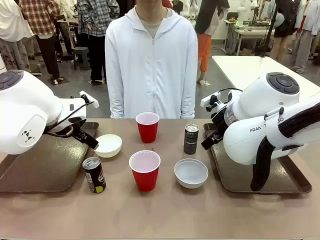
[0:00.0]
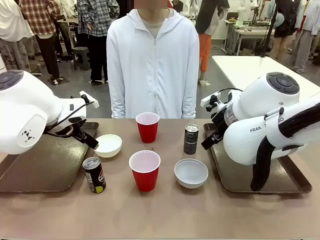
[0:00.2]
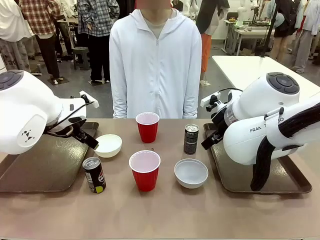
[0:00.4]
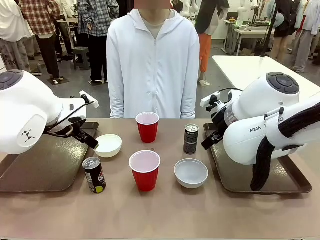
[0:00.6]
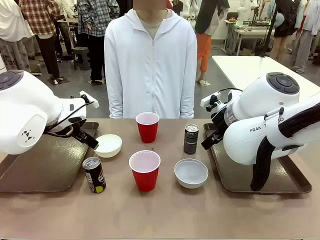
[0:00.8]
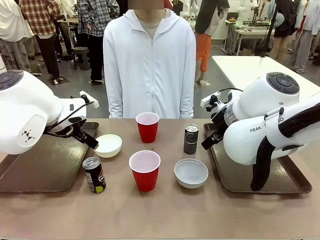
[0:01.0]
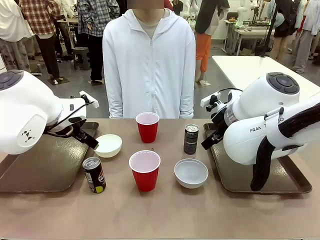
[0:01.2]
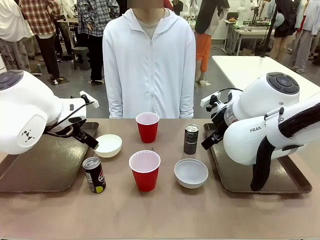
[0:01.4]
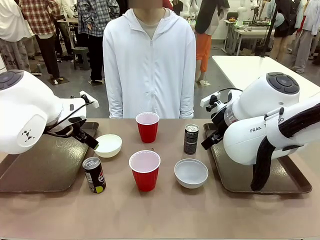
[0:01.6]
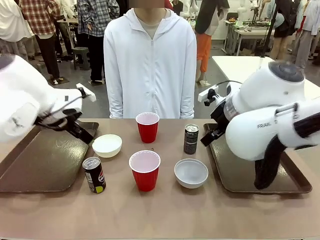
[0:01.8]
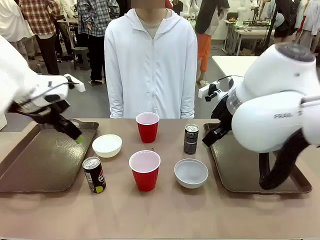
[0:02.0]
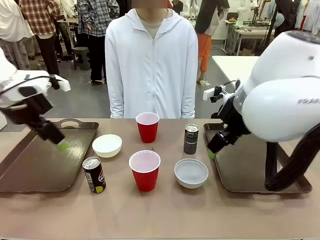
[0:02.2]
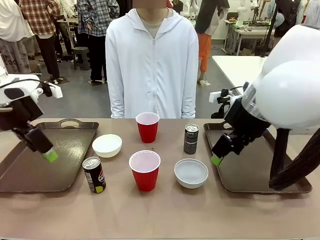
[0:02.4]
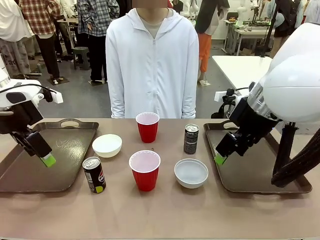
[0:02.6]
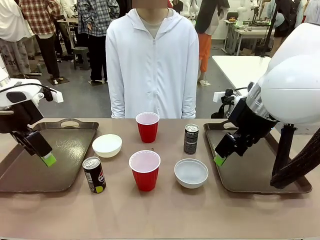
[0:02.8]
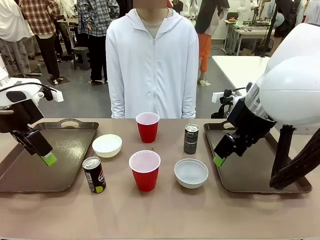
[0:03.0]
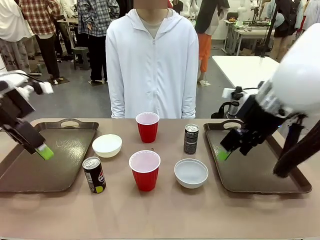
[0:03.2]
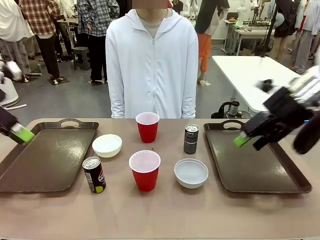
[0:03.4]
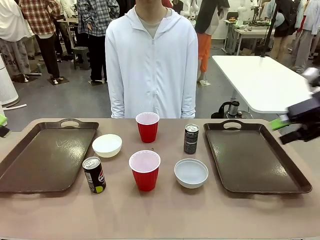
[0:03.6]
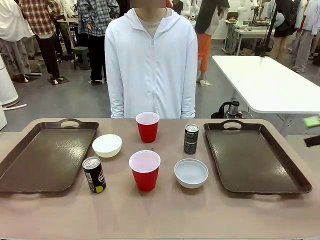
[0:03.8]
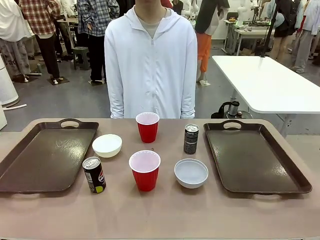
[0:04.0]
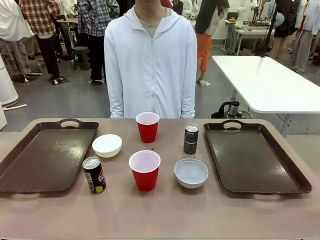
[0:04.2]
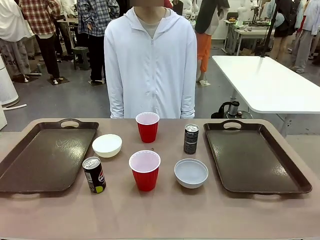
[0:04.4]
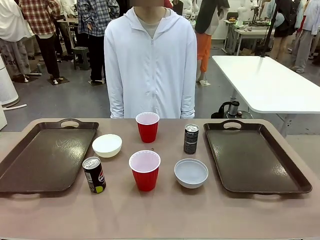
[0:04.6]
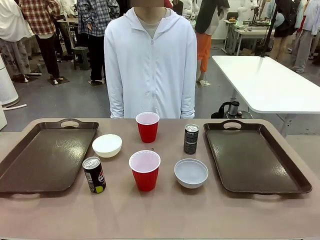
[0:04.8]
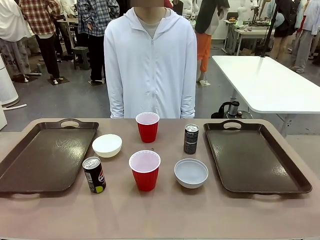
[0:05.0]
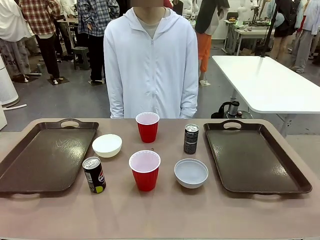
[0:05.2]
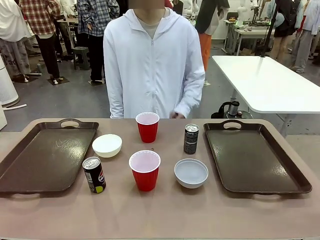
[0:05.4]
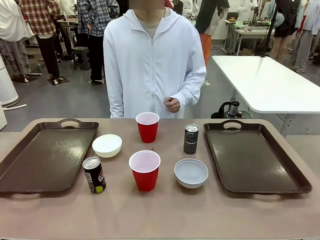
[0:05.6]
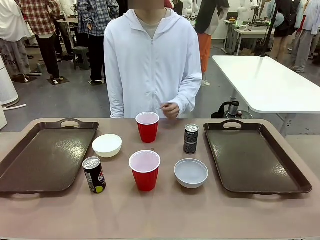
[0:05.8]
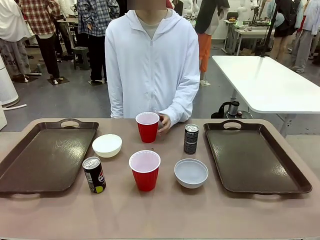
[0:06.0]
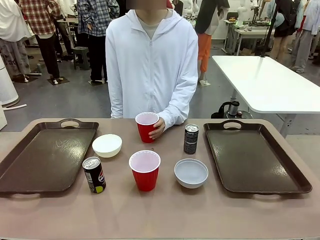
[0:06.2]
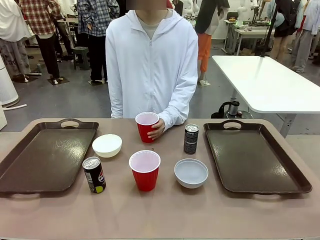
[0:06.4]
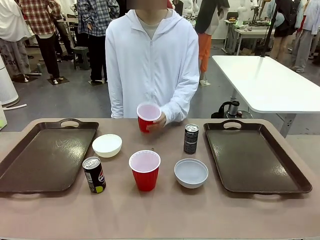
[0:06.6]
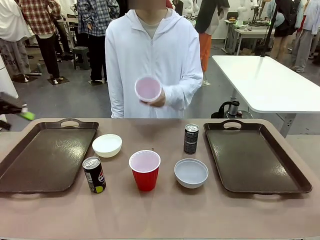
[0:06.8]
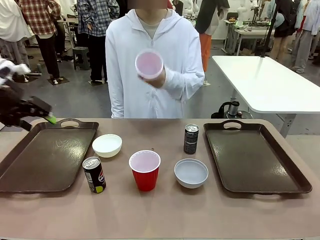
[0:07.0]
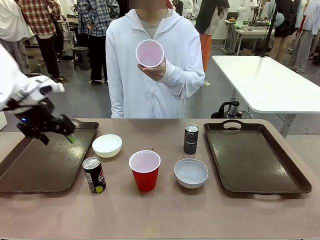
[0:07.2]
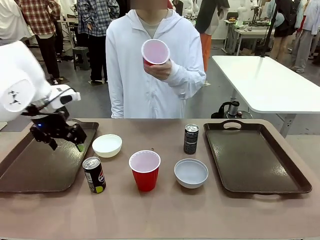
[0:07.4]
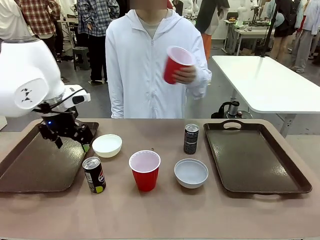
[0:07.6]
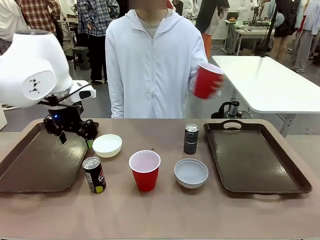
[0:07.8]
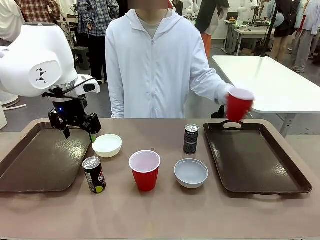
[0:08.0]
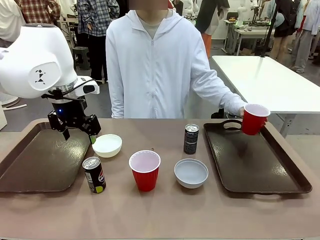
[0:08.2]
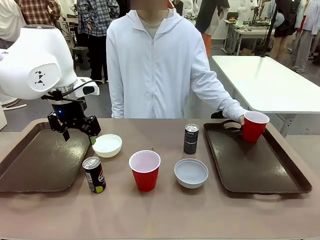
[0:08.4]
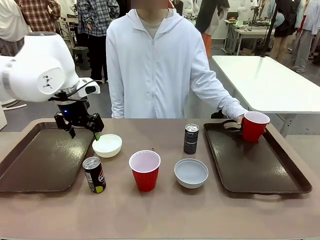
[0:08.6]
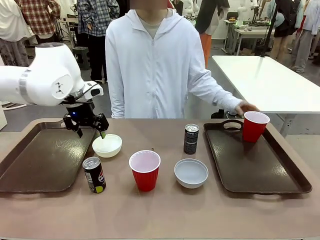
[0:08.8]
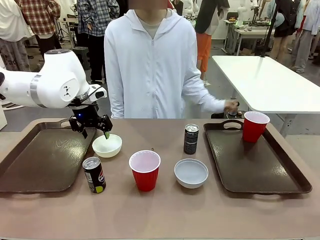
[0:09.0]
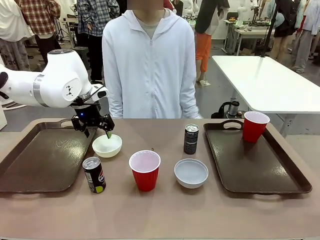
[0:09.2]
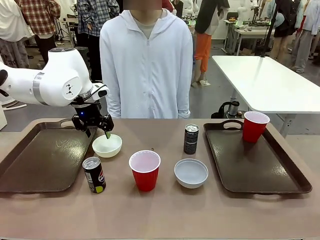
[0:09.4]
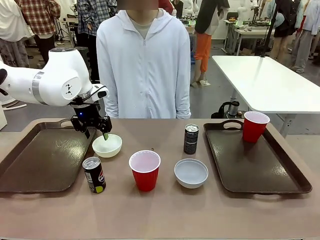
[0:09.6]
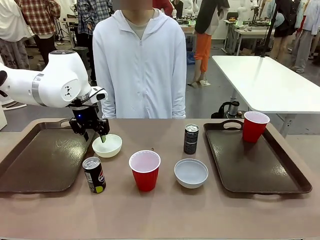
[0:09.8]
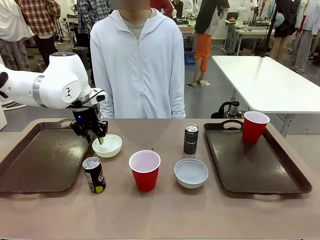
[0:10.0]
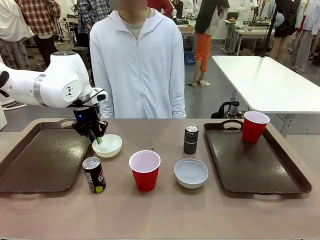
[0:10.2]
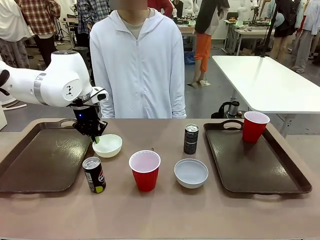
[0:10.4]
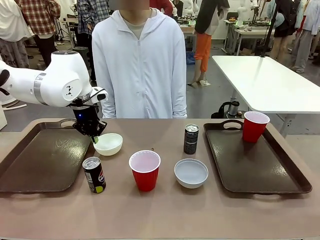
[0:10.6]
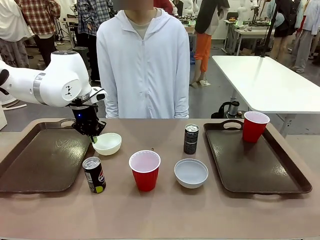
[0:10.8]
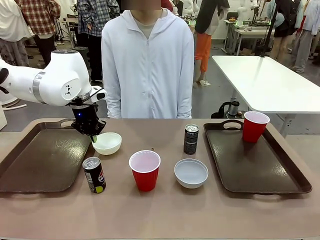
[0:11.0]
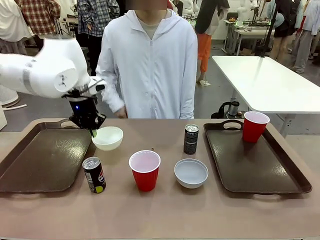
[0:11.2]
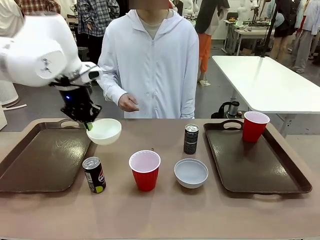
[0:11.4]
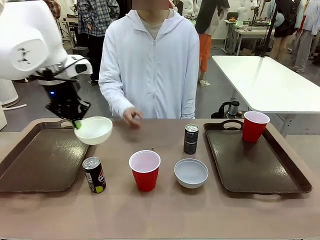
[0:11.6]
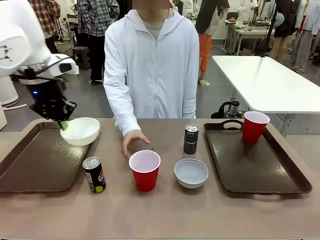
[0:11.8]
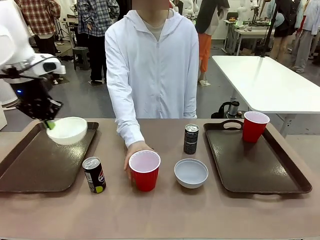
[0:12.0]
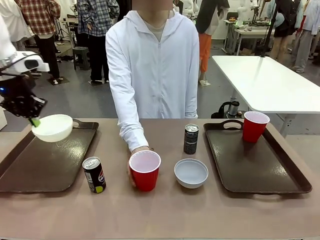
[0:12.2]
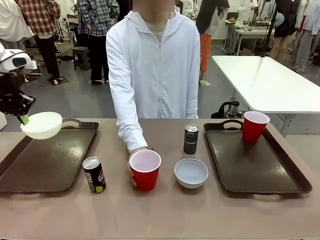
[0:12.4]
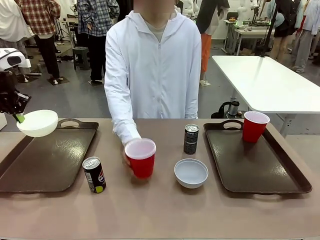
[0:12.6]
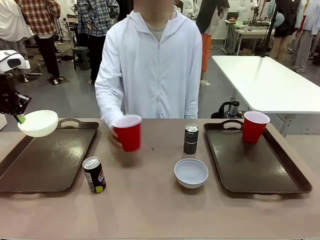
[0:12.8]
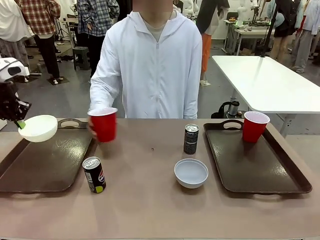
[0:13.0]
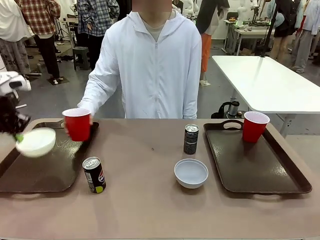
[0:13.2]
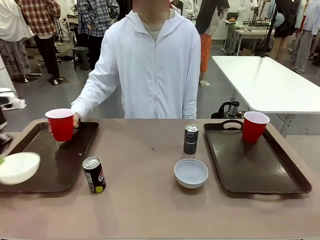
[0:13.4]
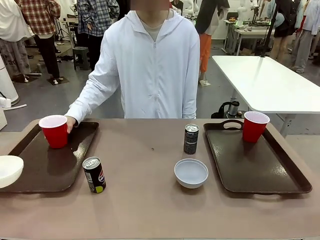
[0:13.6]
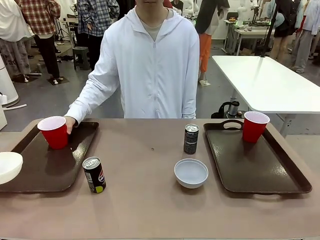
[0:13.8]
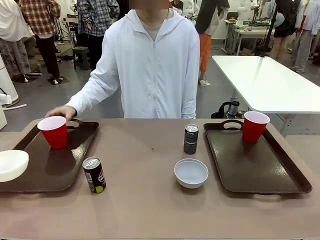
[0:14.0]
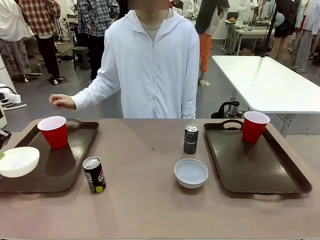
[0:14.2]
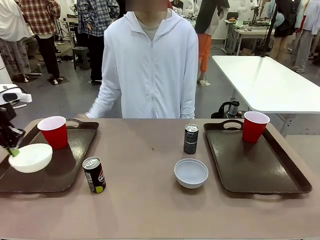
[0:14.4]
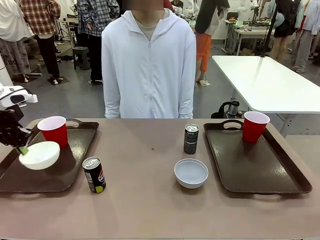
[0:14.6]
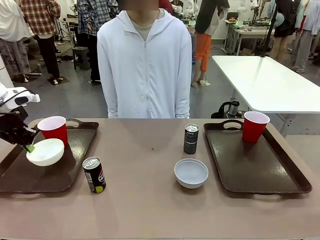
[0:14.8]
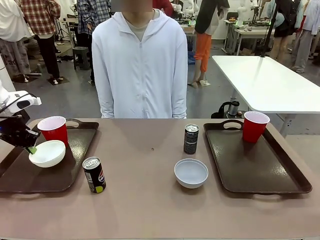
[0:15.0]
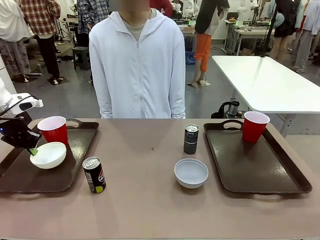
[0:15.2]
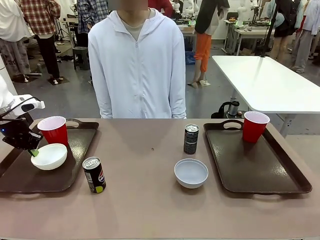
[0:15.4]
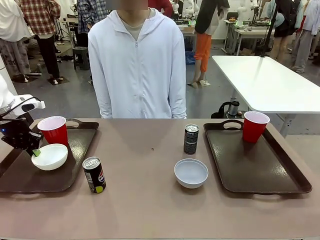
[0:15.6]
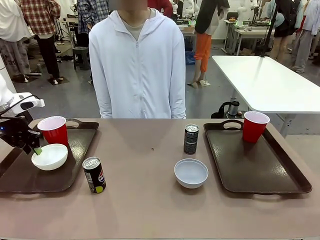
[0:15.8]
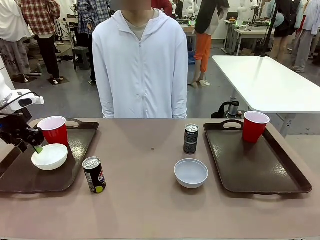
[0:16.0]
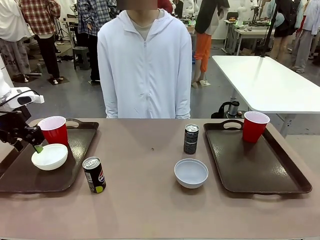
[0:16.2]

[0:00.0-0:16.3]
Task: Prepare tableware on both trays.
Robot: Pick up a Picnic Bowl from the table and place it on a Handle tray.
Person: Pick up a can or cup and place it on the tray.
